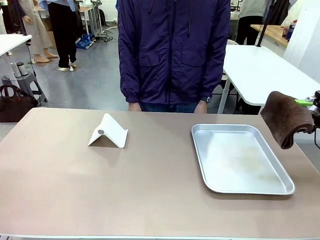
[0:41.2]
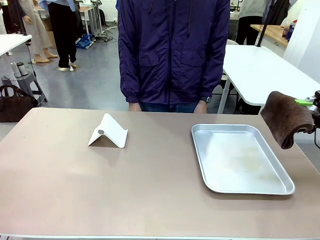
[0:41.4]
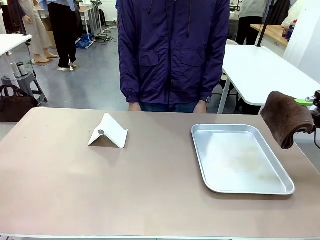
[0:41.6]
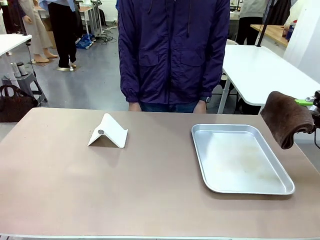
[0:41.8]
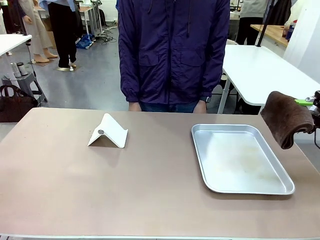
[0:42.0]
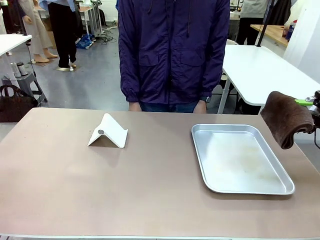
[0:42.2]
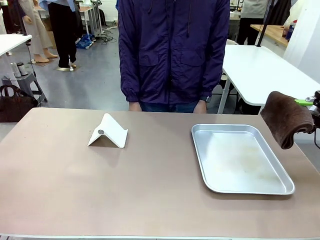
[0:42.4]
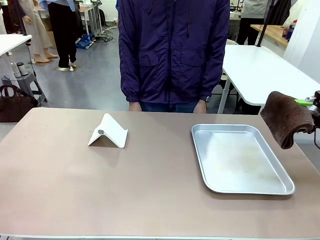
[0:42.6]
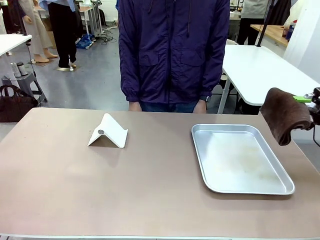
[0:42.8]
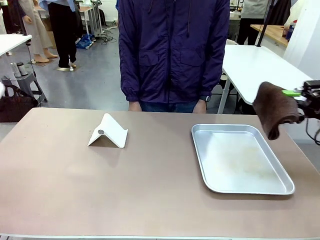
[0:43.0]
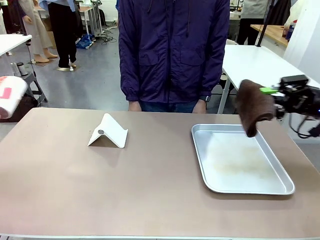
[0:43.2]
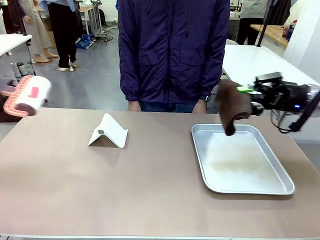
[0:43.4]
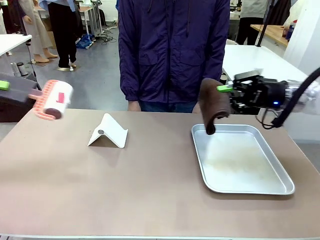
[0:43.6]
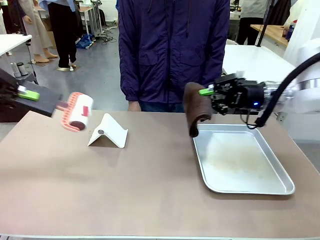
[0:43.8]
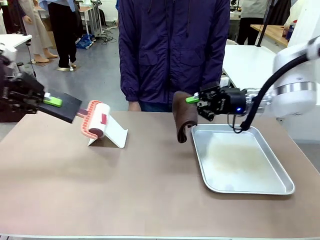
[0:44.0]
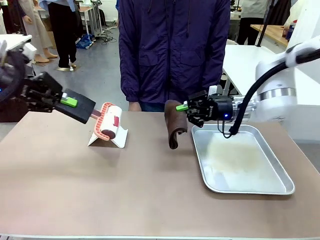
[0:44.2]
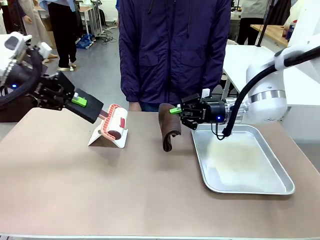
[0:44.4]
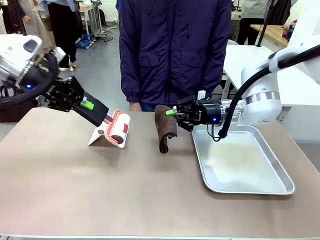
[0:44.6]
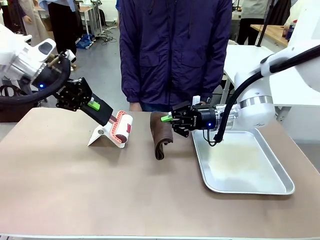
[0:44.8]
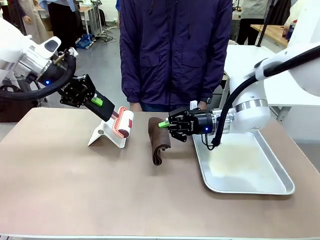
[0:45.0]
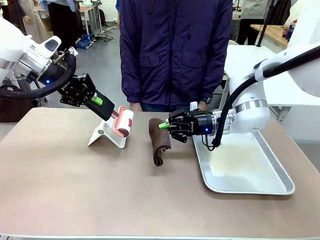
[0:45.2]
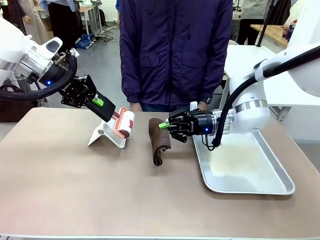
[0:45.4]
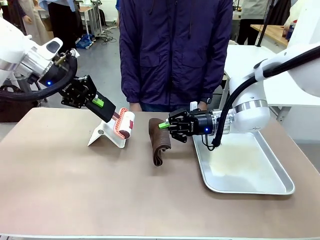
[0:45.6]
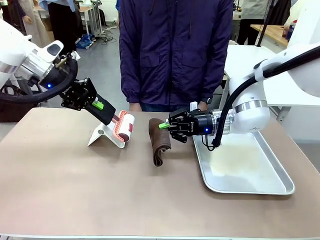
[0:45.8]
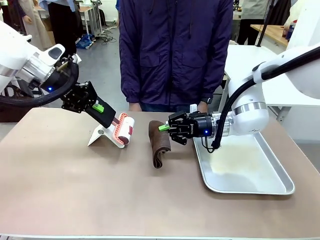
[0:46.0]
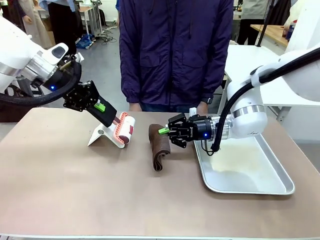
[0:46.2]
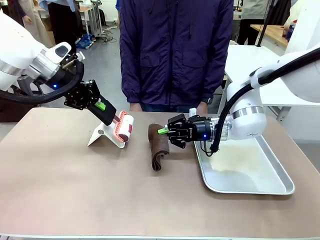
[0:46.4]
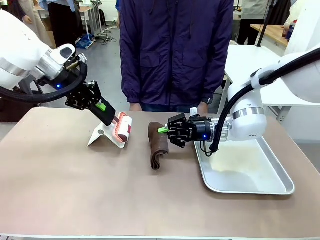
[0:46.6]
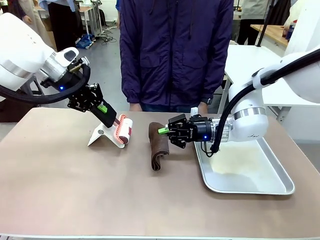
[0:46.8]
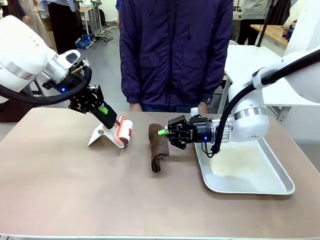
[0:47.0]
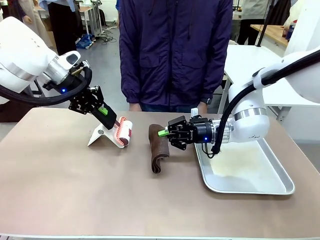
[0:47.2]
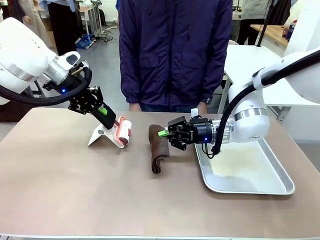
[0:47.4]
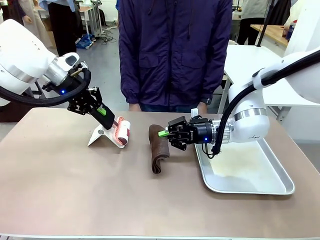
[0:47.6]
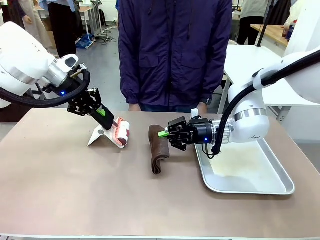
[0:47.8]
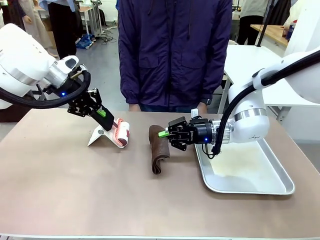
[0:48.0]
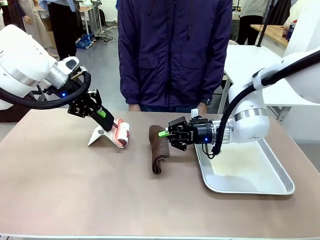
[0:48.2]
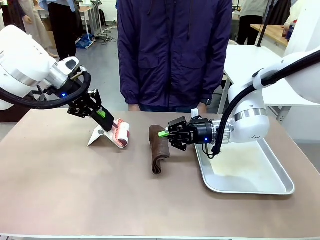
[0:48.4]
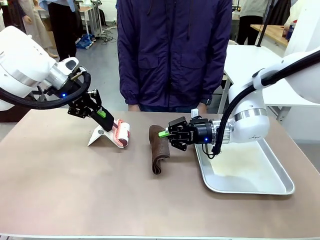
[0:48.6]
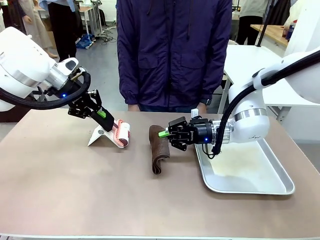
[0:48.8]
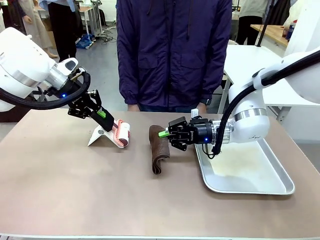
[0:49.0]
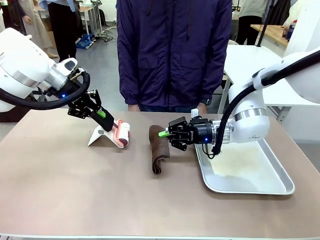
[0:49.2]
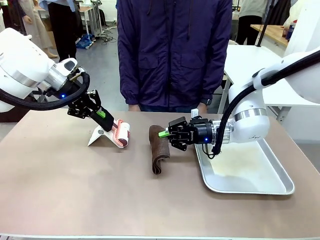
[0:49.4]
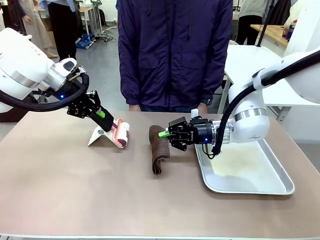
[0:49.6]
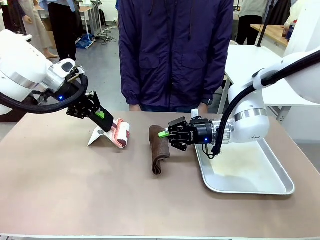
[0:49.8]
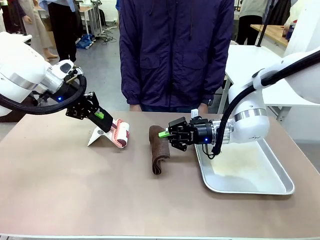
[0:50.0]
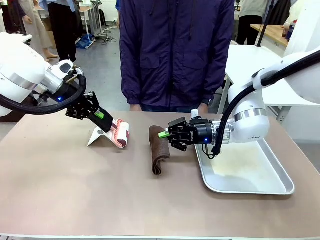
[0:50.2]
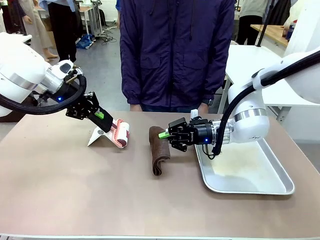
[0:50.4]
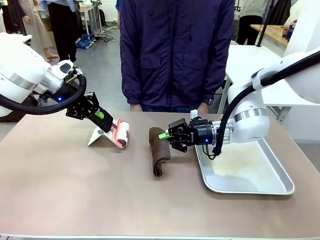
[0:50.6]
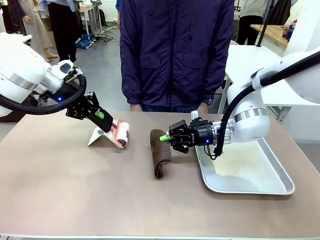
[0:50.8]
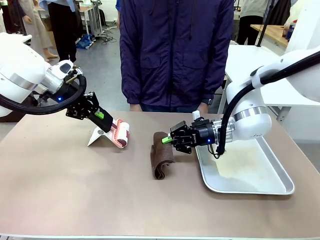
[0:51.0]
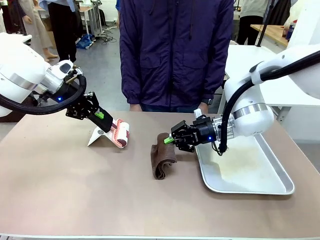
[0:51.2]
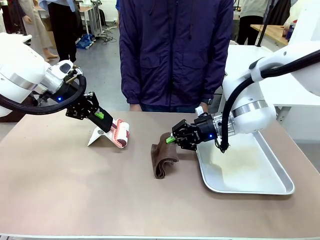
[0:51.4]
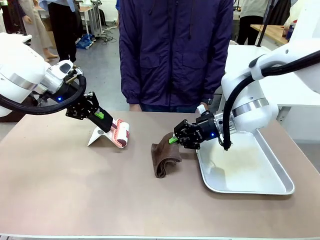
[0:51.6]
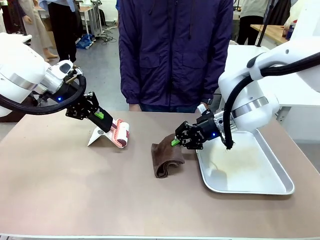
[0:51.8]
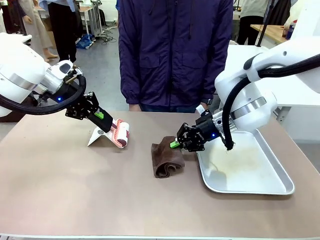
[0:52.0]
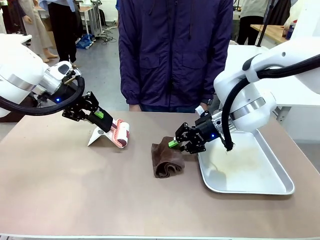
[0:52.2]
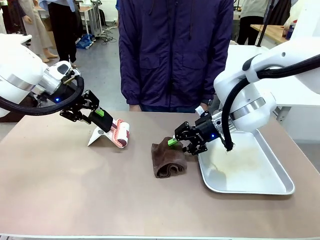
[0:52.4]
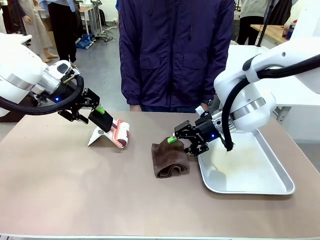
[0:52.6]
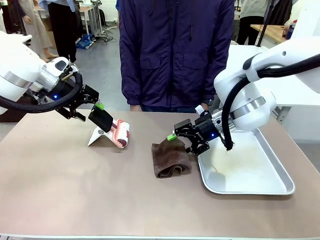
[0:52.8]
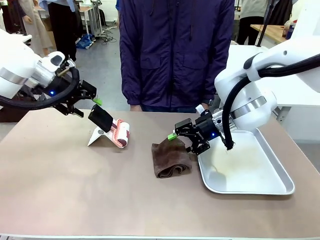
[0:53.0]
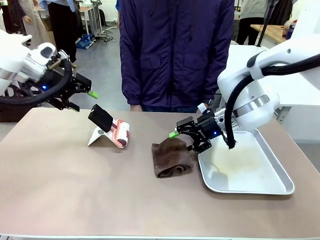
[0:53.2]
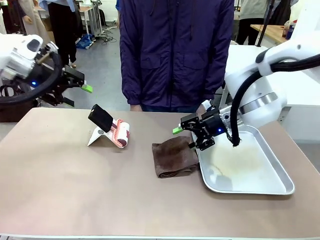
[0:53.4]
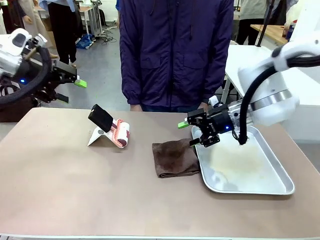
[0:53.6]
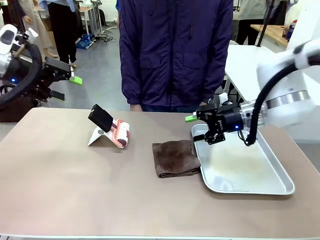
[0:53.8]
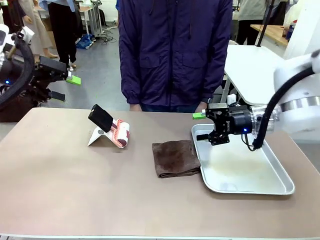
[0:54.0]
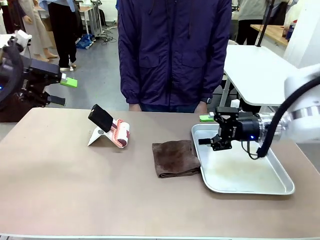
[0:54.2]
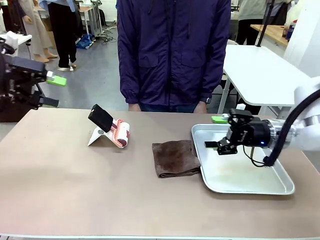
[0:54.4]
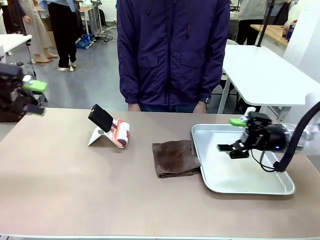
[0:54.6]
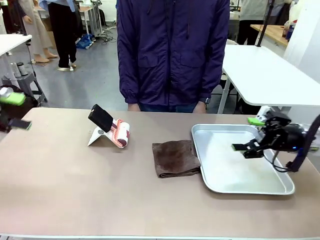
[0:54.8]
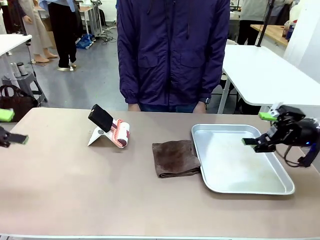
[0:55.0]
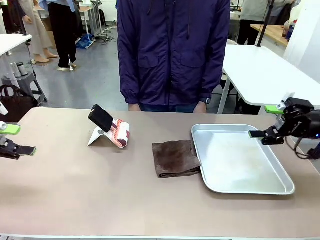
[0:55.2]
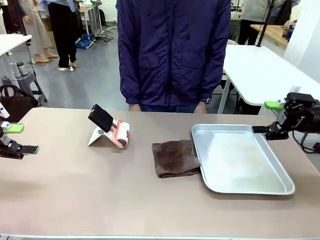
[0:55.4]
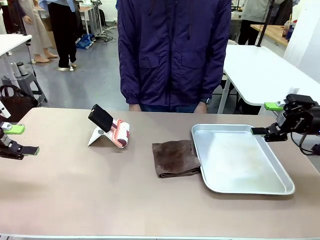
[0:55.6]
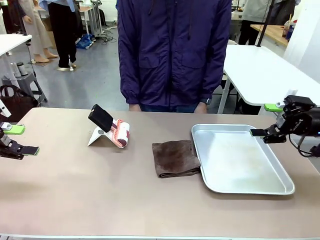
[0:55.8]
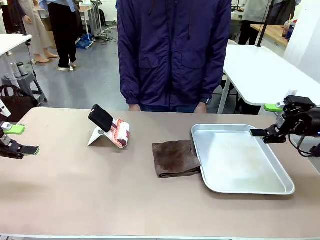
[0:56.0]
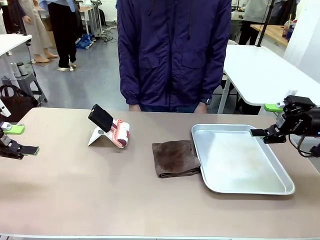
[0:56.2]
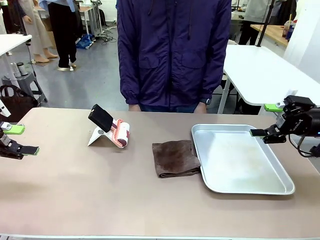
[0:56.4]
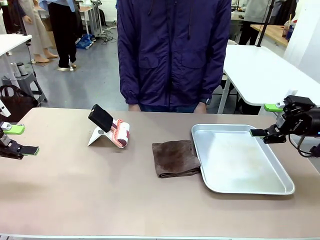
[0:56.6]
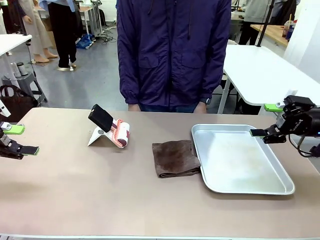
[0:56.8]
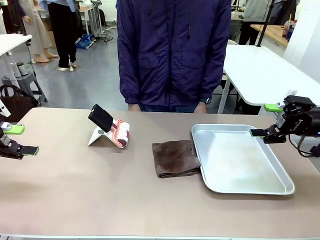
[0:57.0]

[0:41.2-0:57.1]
Task: Clean the surface of the table.
Robot: Return the Lint Roller and towel to their original positions.
